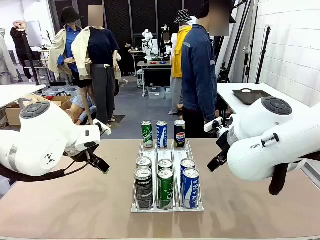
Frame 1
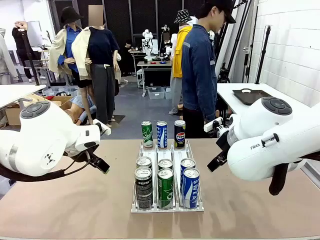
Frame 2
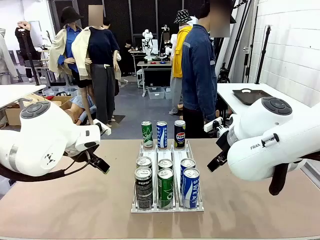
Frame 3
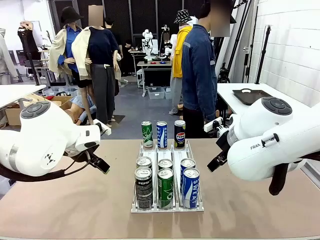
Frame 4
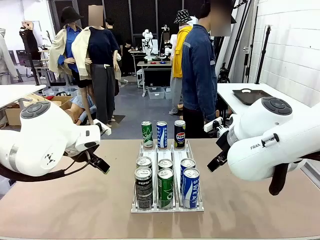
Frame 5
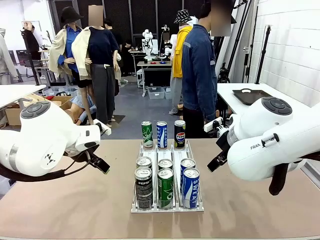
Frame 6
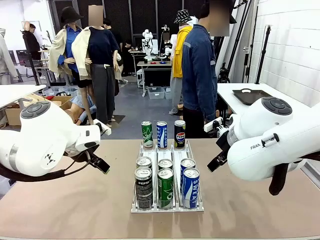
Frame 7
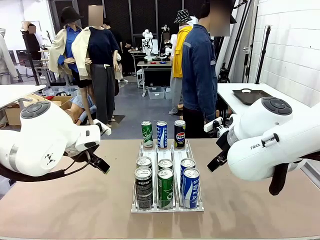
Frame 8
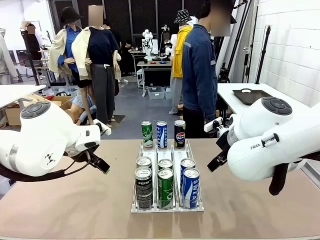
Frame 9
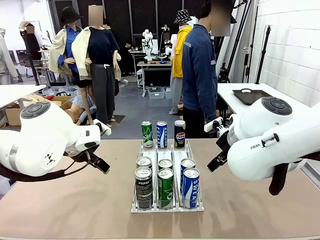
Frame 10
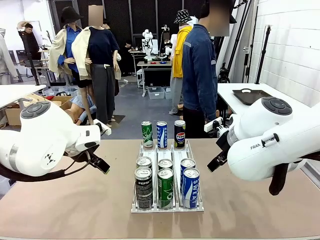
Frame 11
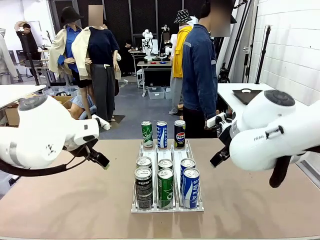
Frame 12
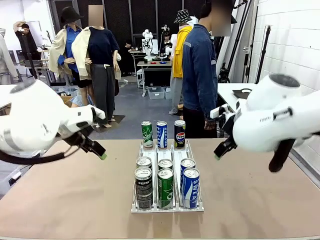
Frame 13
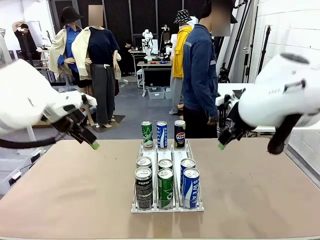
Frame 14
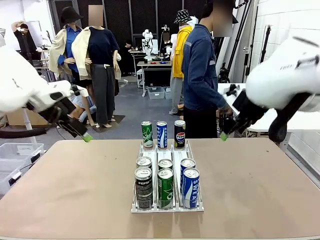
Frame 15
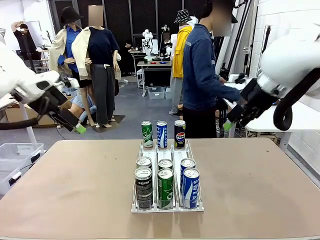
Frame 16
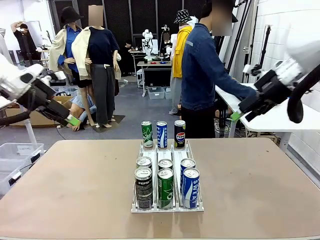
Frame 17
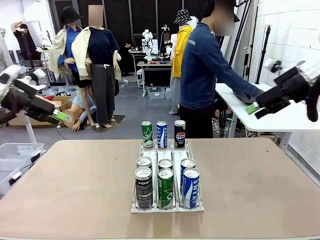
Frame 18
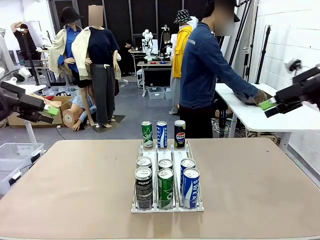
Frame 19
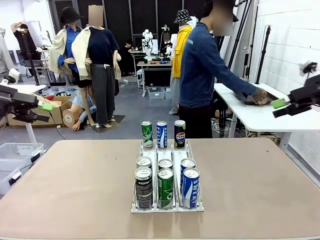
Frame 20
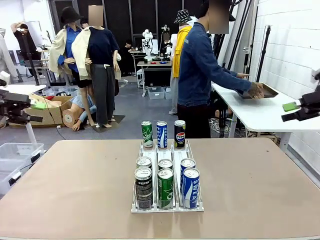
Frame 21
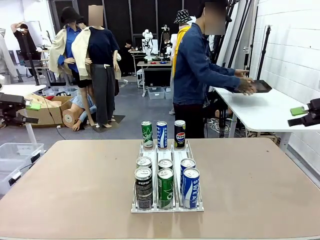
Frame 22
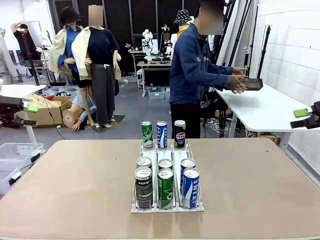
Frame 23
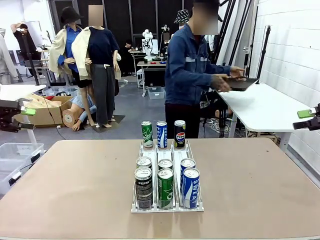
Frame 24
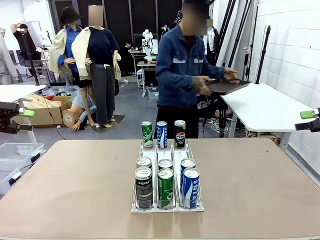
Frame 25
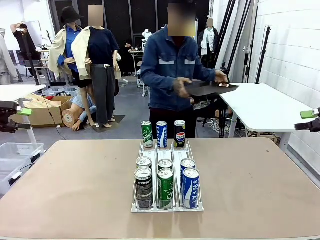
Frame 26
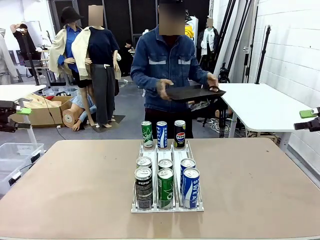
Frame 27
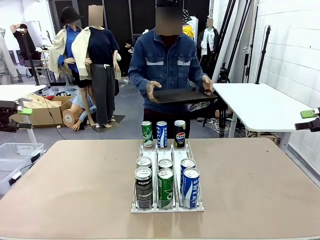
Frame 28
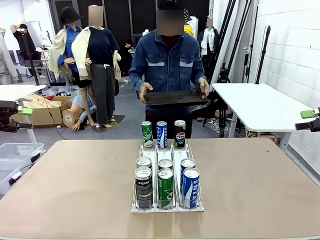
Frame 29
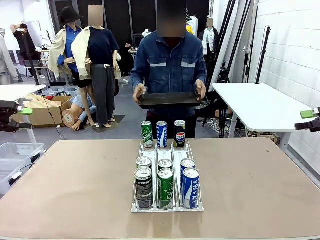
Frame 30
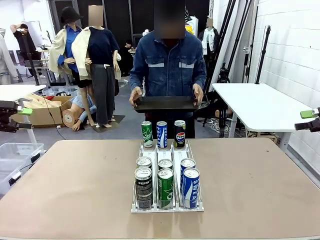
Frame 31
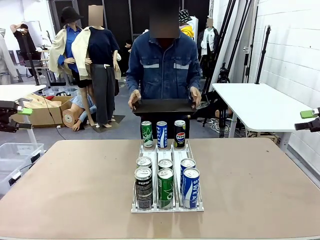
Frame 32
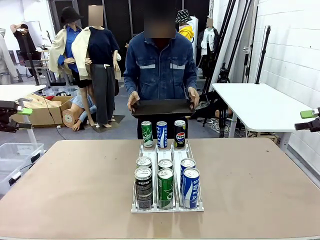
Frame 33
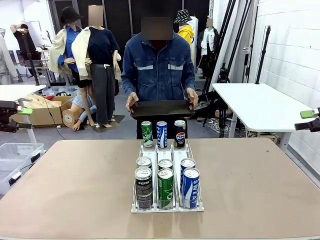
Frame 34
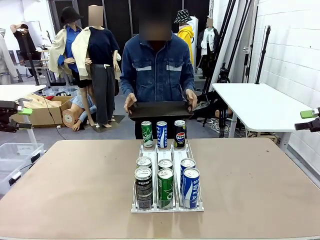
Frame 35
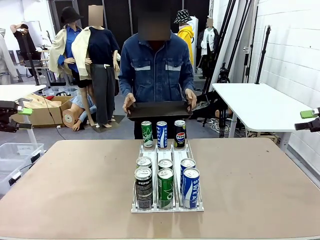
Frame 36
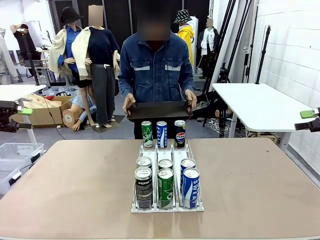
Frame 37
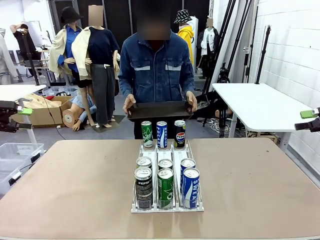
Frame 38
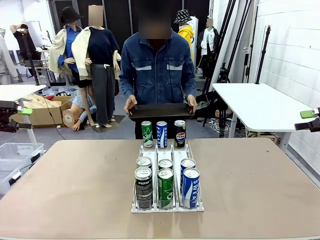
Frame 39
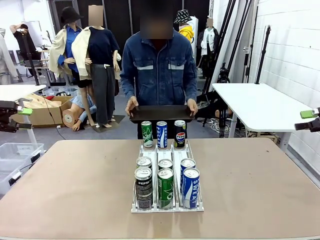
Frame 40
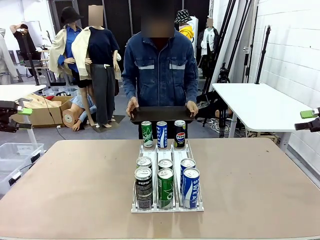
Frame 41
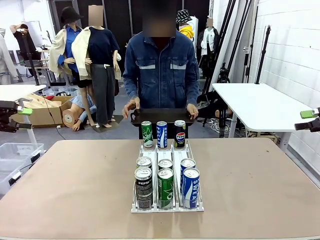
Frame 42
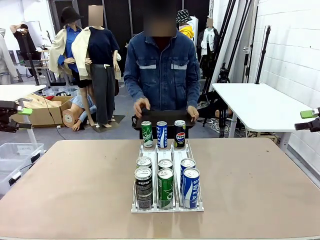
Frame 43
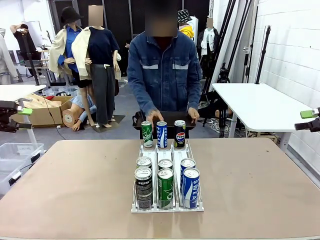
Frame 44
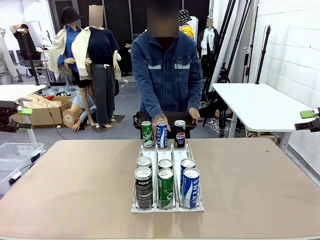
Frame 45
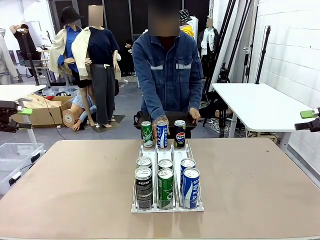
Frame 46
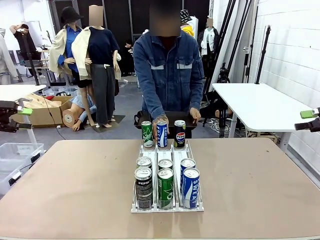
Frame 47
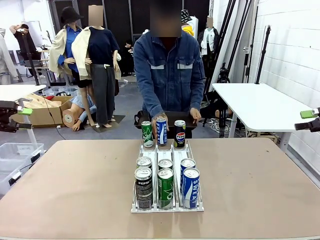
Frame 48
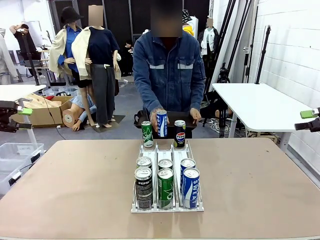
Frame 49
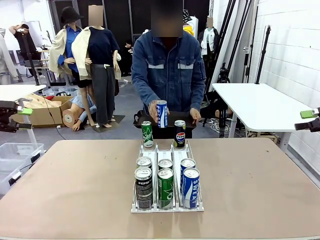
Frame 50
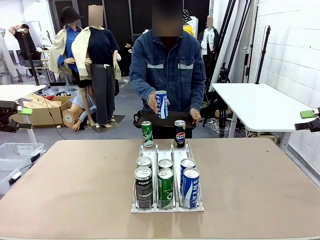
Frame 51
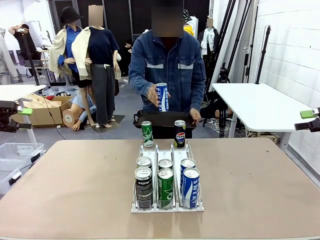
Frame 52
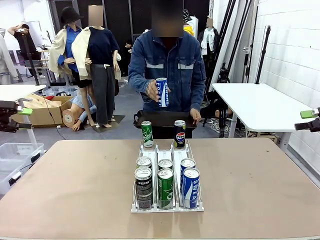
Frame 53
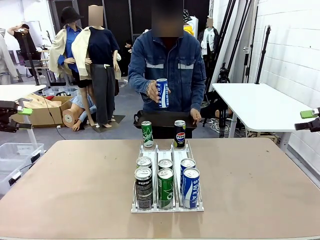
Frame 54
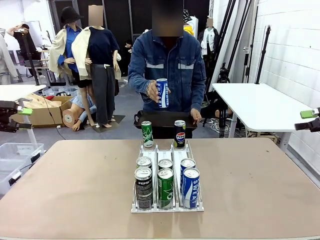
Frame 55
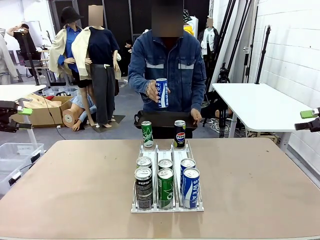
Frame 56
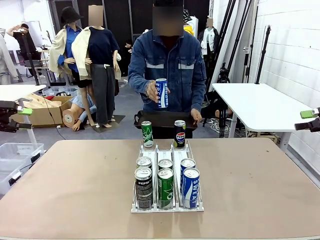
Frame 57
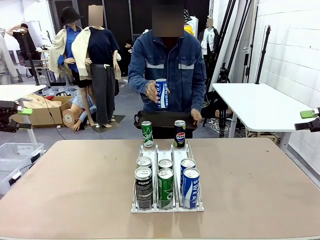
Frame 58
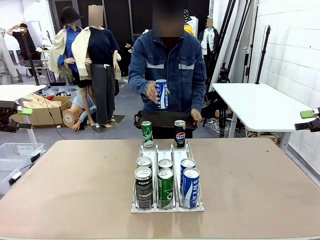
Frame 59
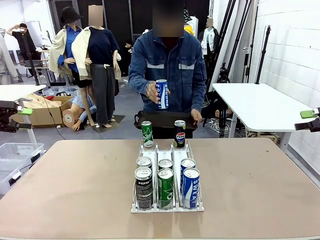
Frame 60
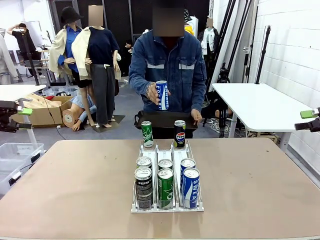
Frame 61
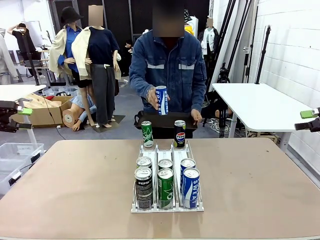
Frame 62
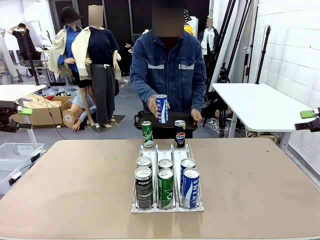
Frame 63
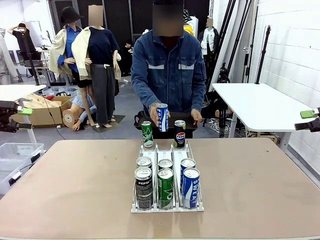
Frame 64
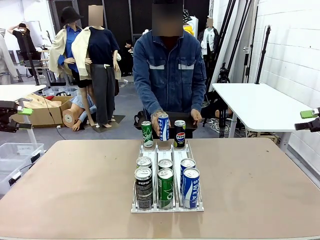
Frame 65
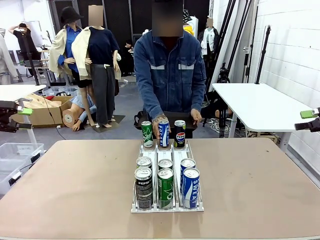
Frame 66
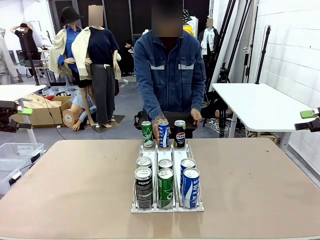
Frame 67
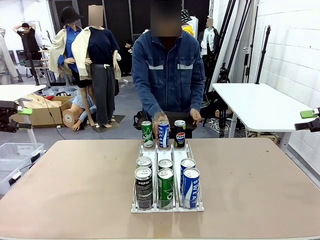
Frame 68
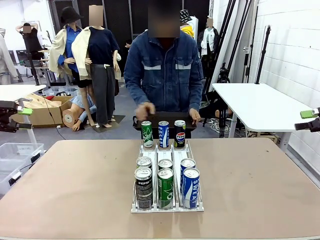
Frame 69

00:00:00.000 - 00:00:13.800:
Task: Retrieve and hand over the desired beverage to the person.
Robot: Pick up a can of the same type that the person held from the Automatic Can Dispenser.
Person: Hold the tray and position yourself in front of the robot table. Pick up one can from the bottom area of the table and puts it back in its original place.

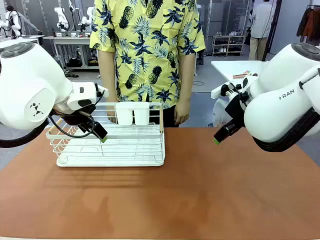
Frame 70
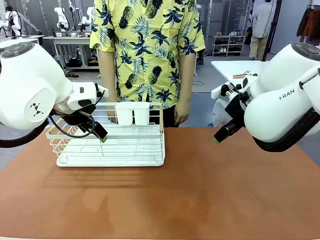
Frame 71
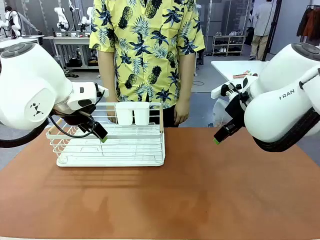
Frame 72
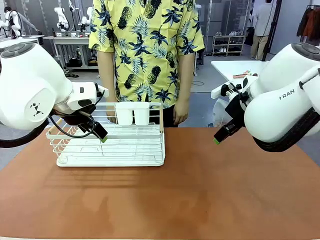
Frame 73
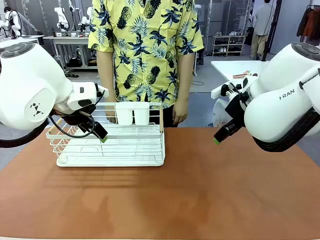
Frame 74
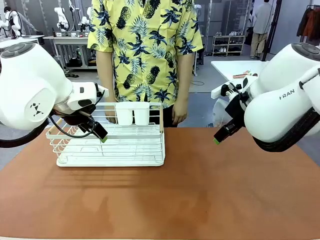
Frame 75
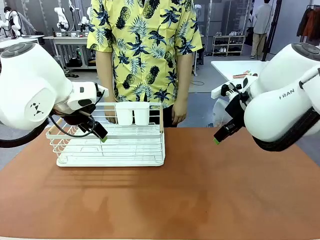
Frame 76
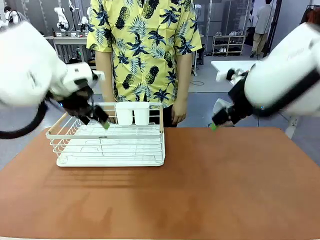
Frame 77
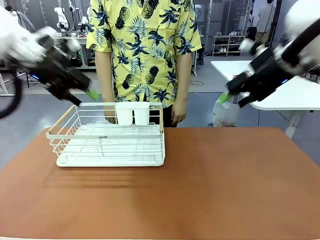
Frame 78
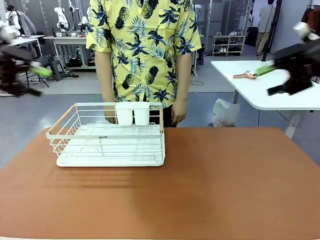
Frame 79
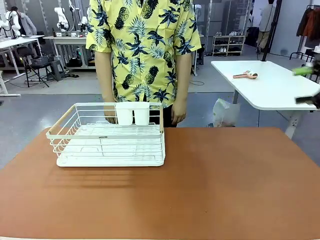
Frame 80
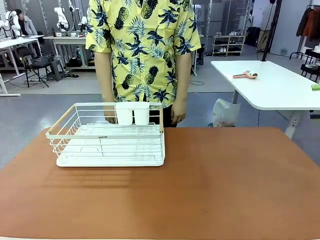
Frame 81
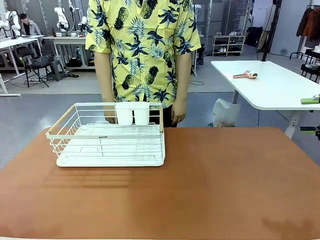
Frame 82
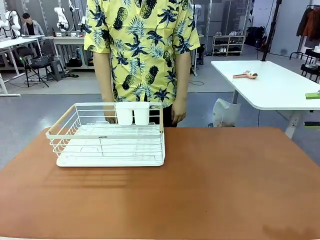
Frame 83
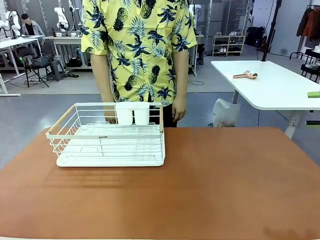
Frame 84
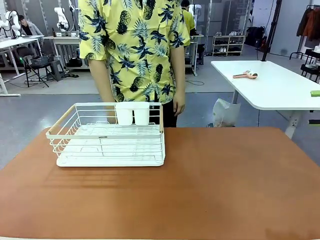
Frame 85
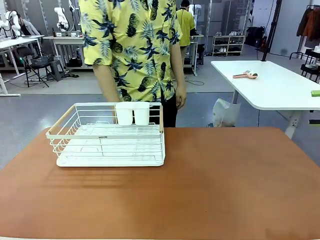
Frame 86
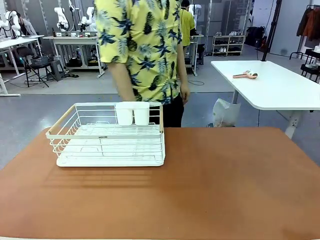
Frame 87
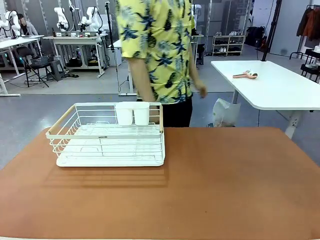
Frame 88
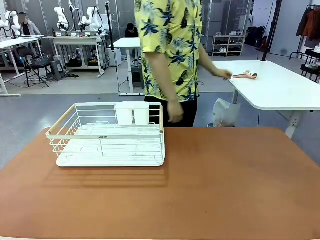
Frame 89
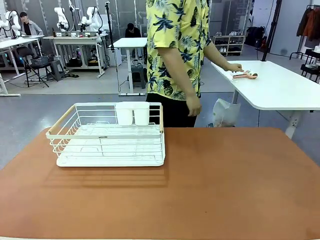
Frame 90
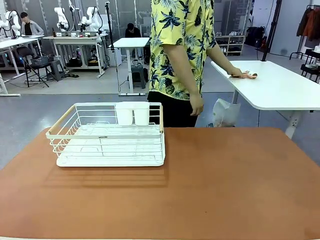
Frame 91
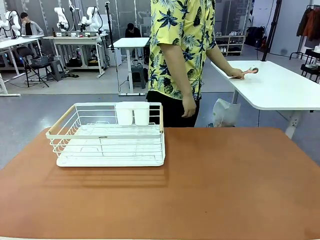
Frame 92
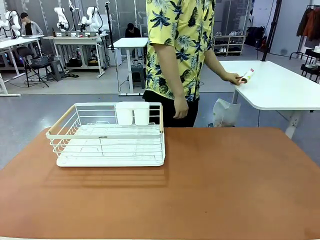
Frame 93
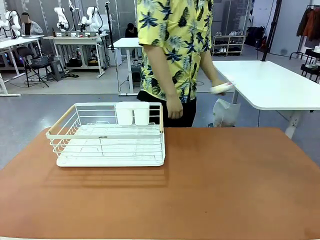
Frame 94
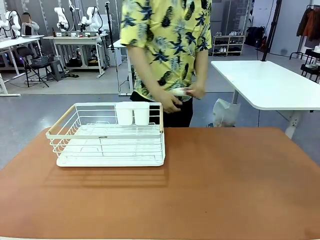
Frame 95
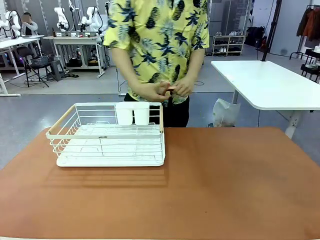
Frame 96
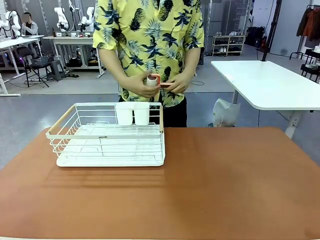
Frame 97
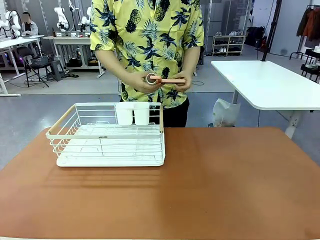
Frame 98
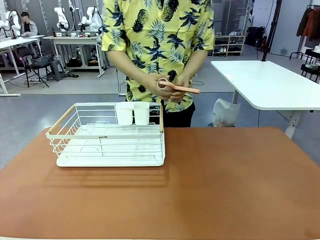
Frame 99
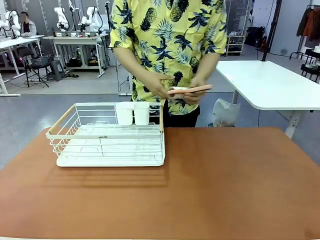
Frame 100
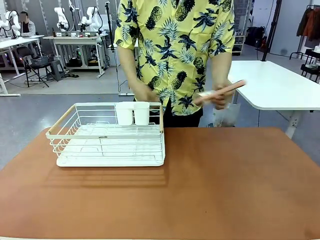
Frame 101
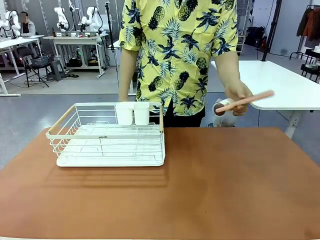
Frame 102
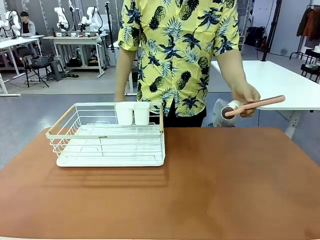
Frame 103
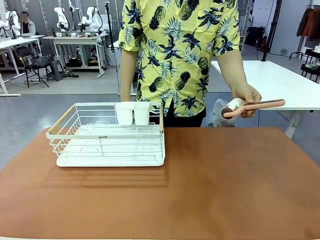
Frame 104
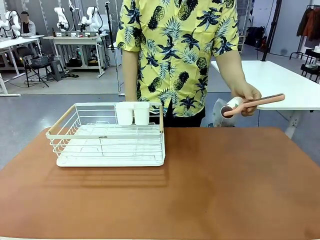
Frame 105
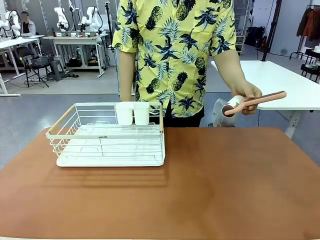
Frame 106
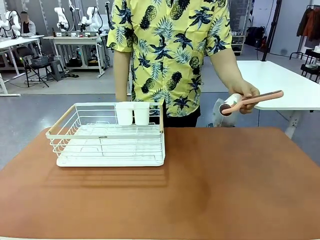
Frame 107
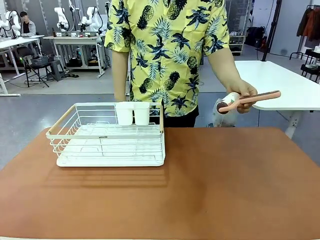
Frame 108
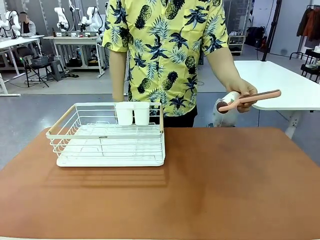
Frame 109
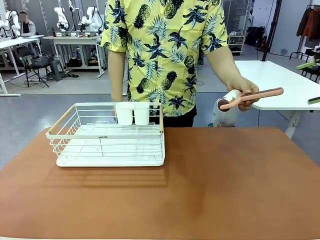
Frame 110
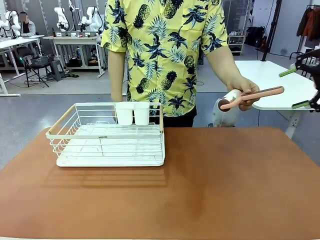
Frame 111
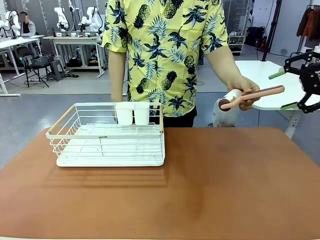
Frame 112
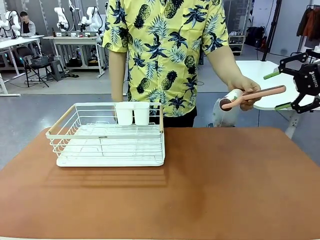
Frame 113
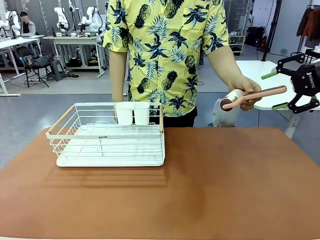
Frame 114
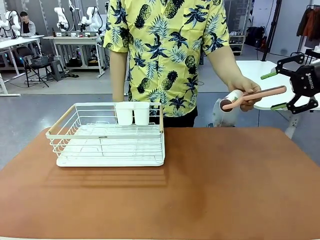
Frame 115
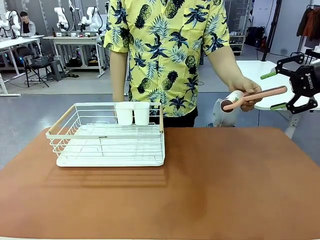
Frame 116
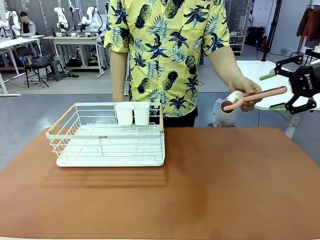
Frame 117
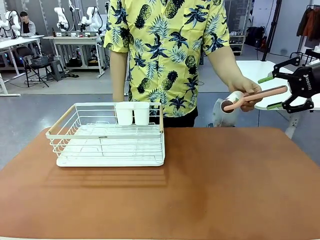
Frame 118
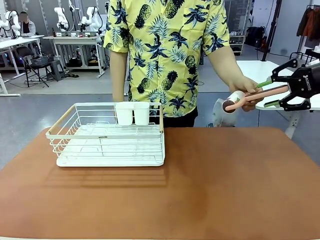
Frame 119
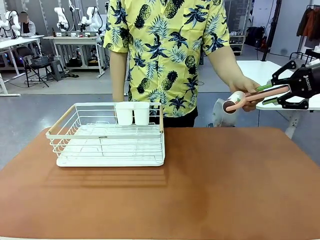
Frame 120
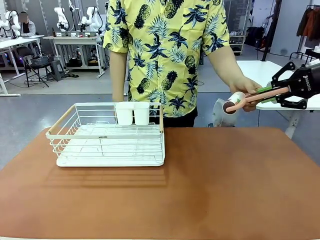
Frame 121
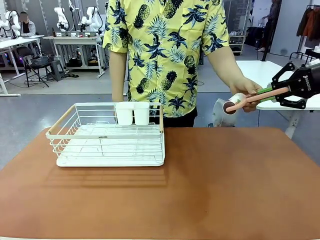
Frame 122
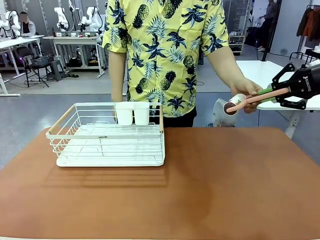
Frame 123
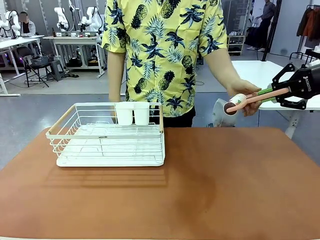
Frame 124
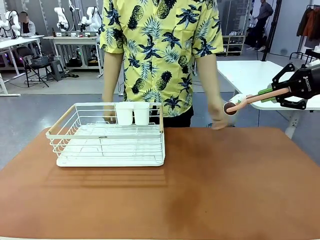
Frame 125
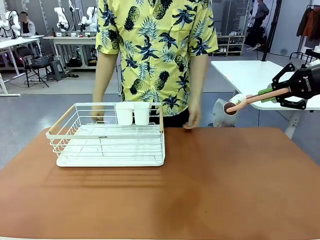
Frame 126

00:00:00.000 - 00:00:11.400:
Task: Clean the table.
Robot: Pick up the Lint Roller when the human hands it over.
Person: Hand the Lint Roller to the robot so it can easily pick it up. Lift the Dish drying rack.
